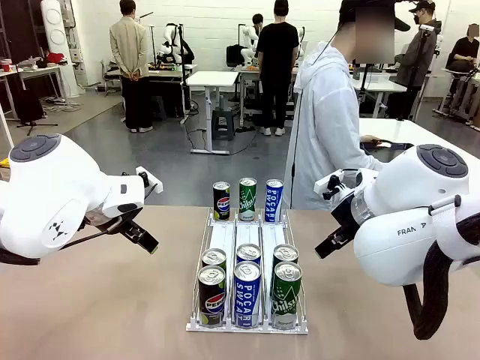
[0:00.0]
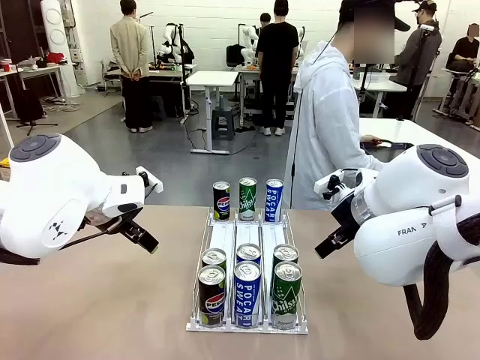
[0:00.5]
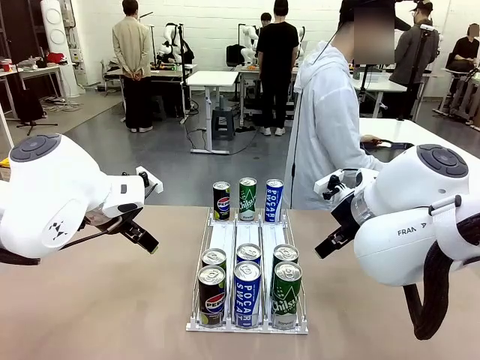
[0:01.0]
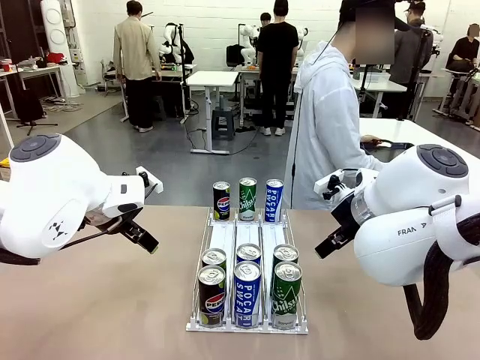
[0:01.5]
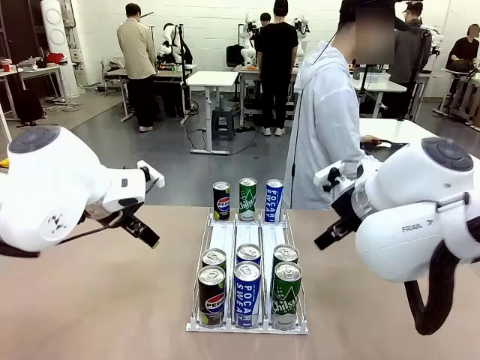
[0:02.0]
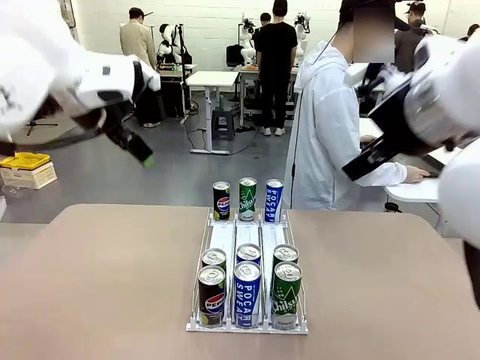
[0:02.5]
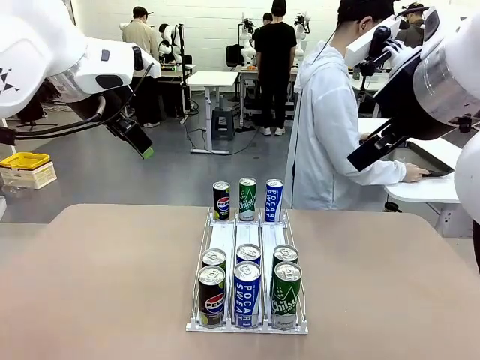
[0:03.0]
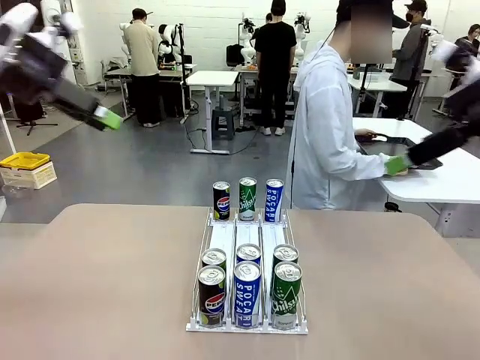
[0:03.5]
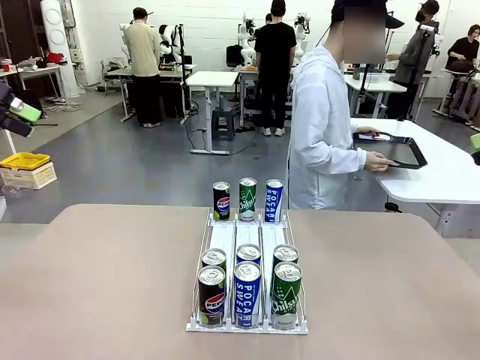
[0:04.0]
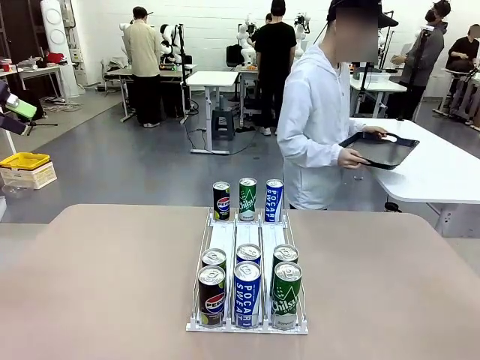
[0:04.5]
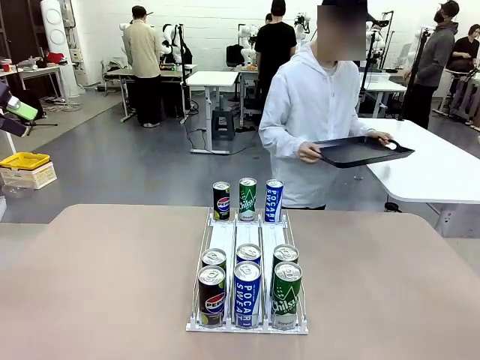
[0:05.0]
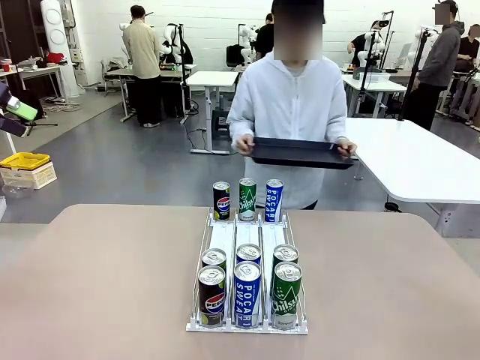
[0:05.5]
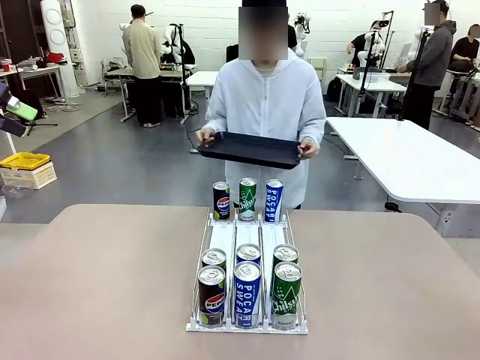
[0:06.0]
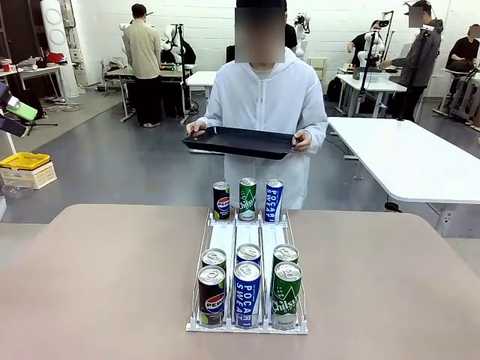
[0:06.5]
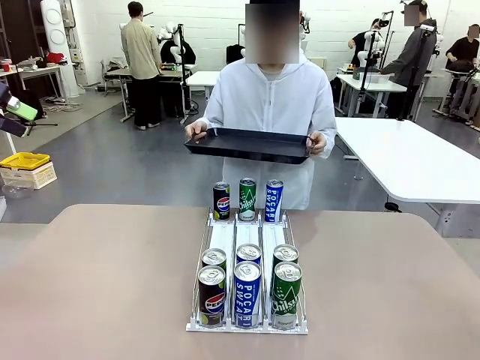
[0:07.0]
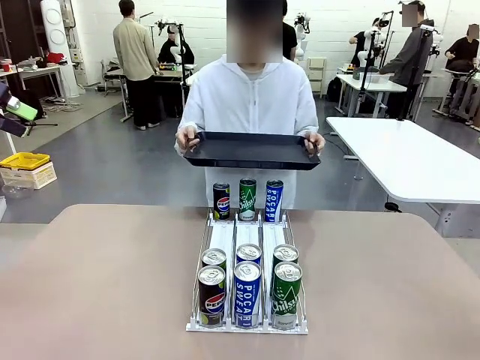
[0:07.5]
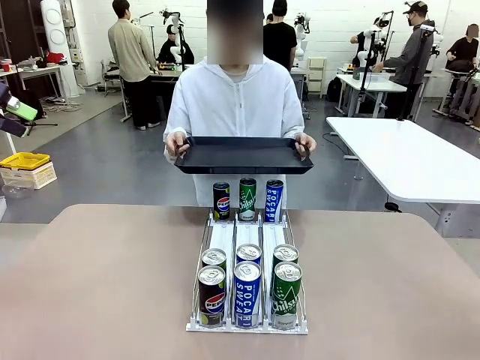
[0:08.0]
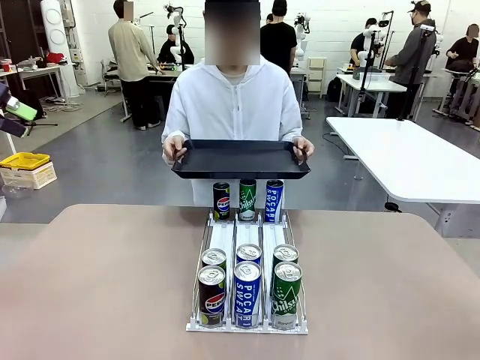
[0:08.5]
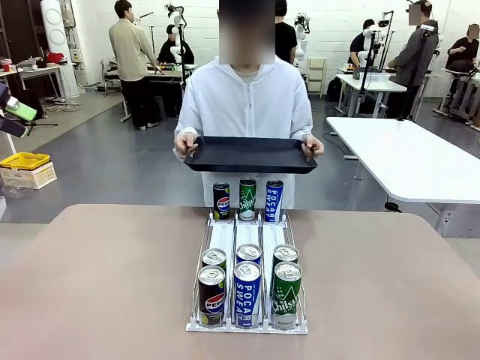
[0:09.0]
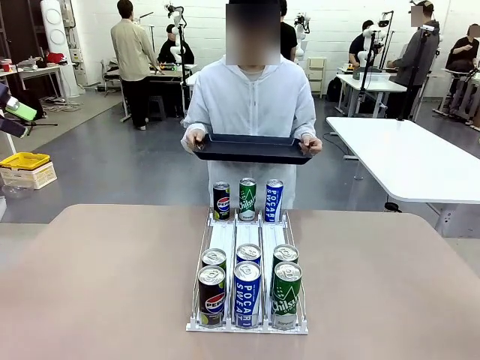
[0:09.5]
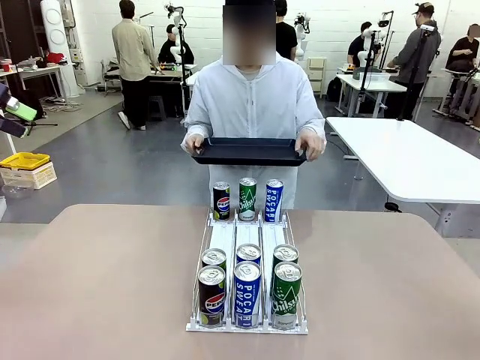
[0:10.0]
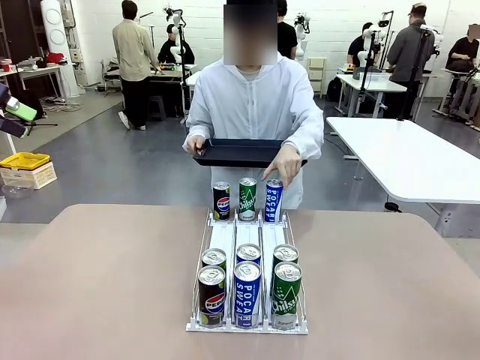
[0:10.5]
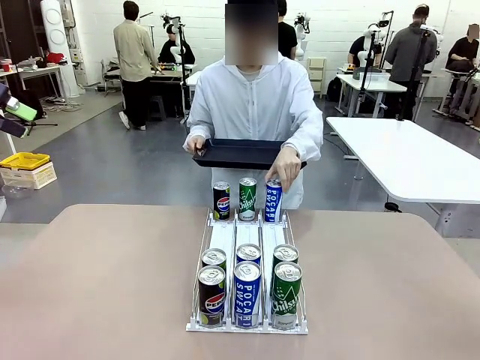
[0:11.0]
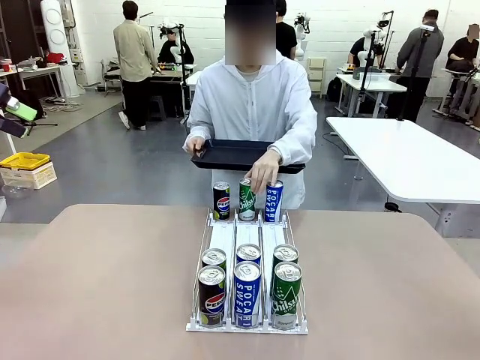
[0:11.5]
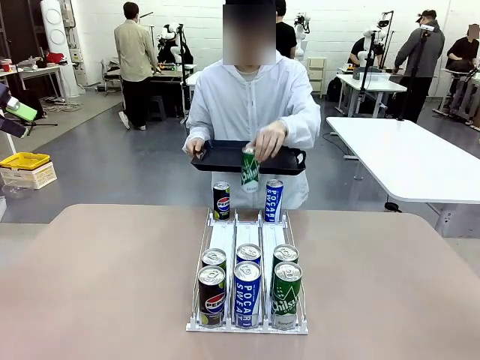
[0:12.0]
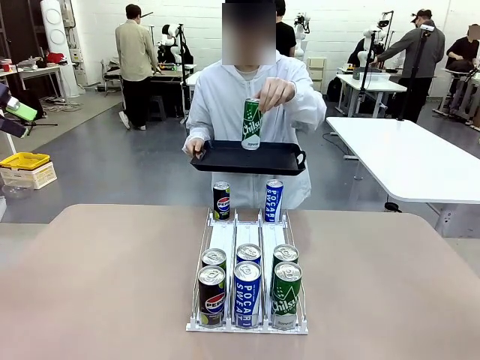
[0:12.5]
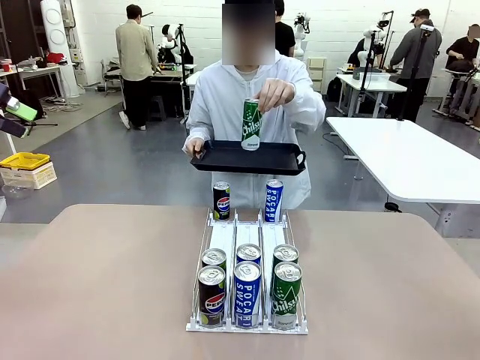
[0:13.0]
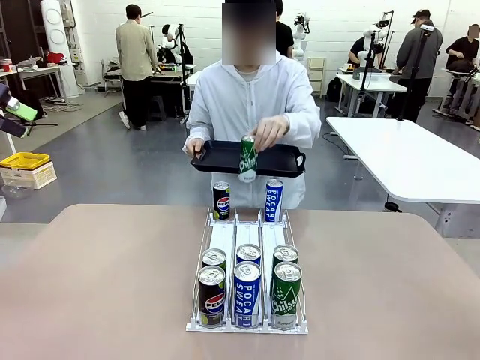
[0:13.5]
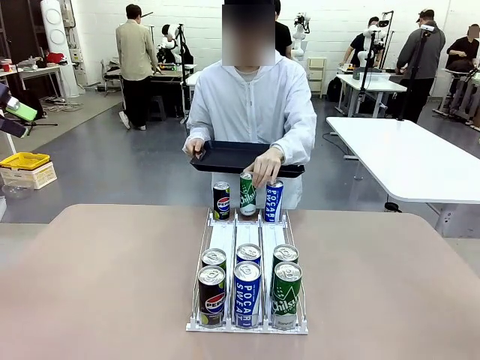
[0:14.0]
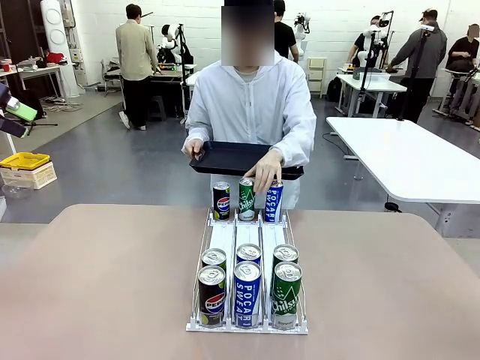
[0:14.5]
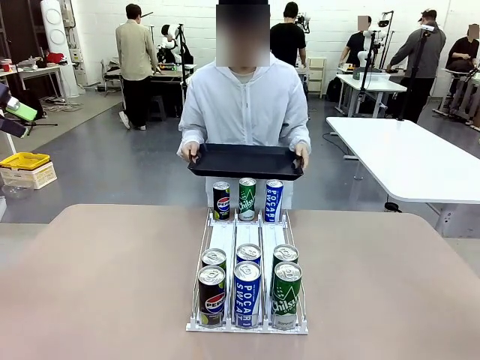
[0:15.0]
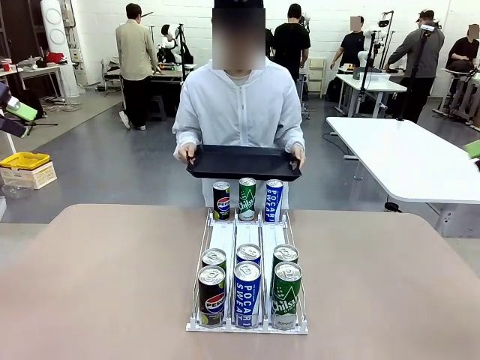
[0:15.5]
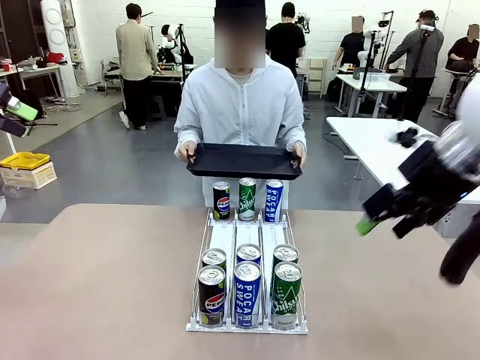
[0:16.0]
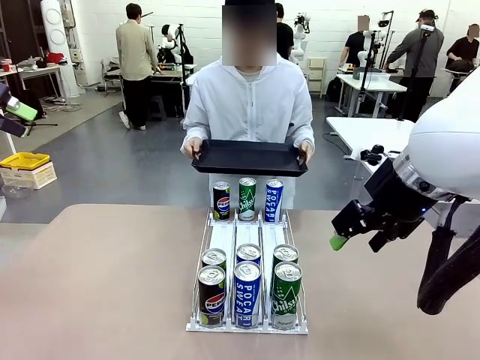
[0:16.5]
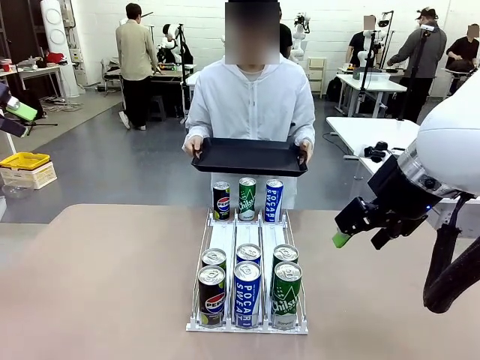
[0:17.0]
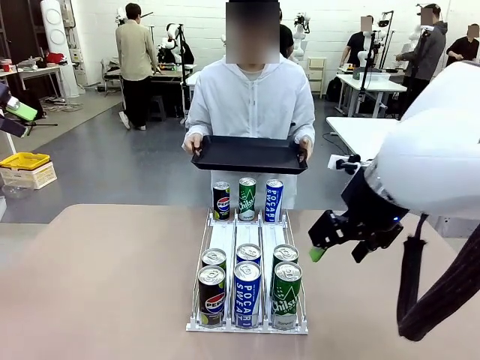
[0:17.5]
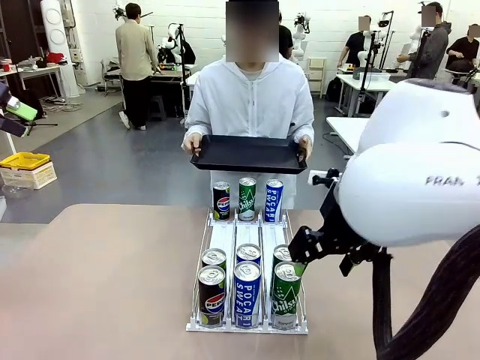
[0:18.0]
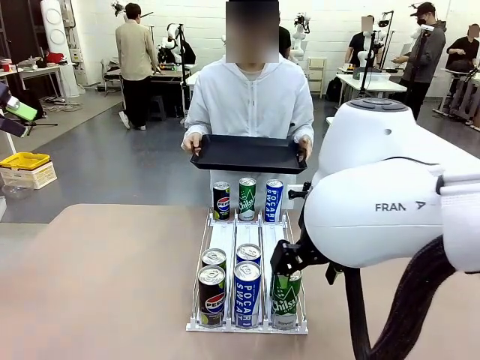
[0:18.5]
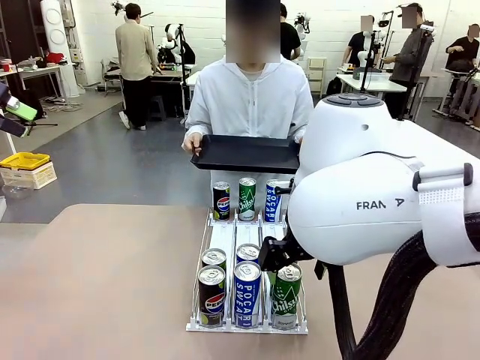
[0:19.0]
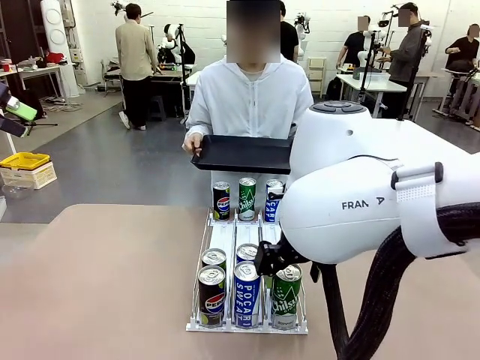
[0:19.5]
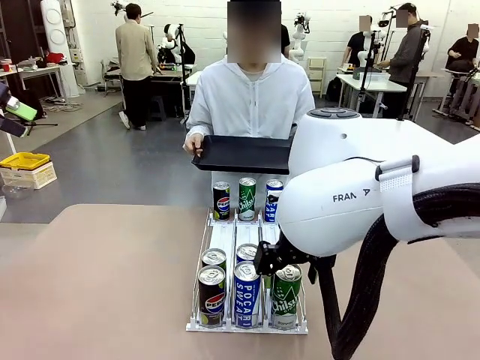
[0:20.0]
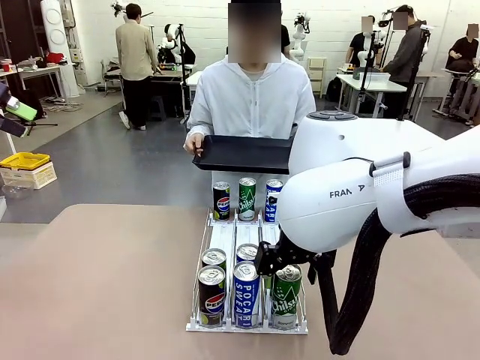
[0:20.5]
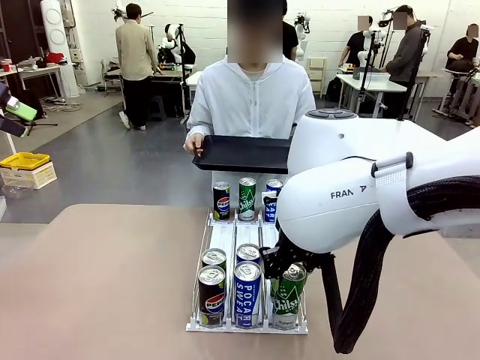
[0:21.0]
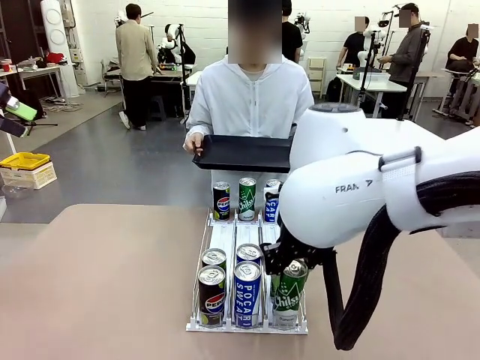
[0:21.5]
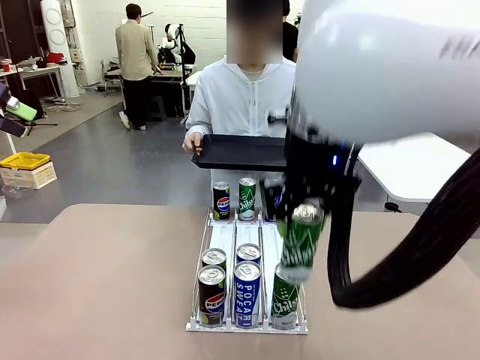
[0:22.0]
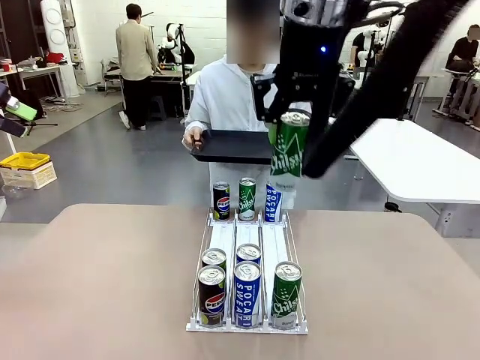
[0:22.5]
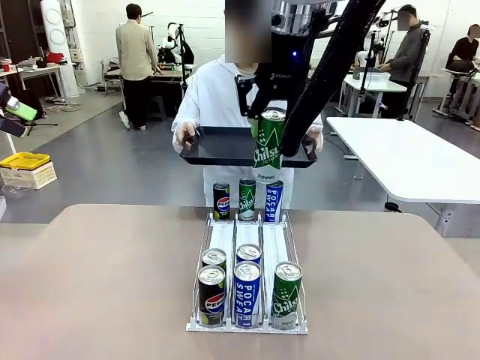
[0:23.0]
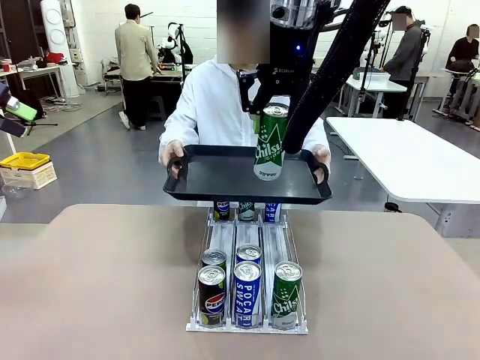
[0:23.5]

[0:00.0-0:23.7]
Task: Retrieve and hand over the desired beverage to the person.
Robot: Pick up a can of the same type that the person held from the Automatic Can Dispenser.
Person: Hold the tray and position yourself in front of the robot table. Pick up one can from the bottom area of the table and puts it back in its original place. Push the tray toward the robot.
